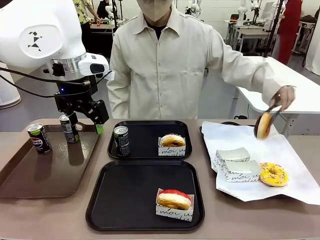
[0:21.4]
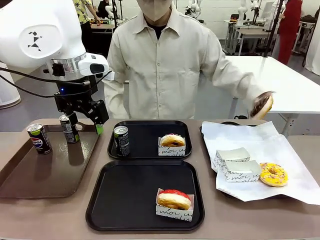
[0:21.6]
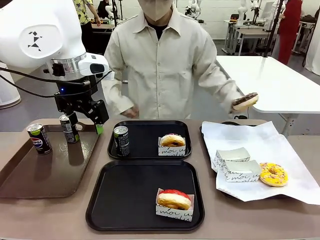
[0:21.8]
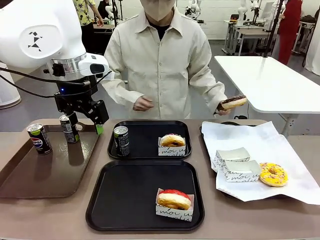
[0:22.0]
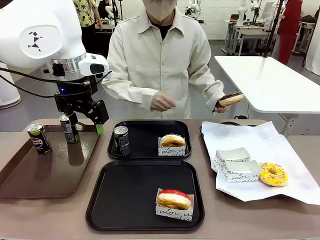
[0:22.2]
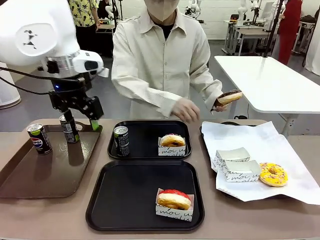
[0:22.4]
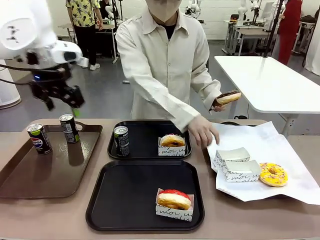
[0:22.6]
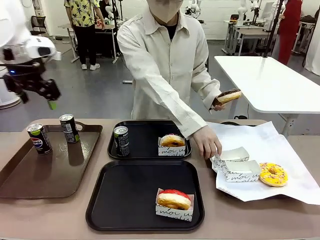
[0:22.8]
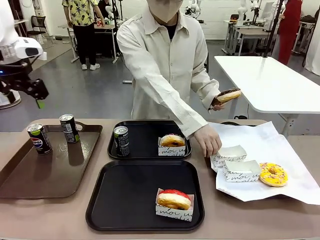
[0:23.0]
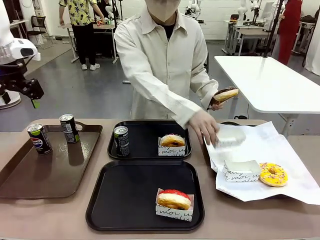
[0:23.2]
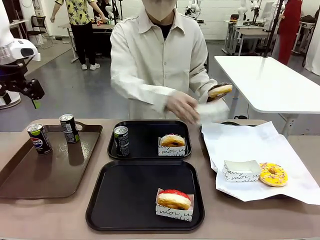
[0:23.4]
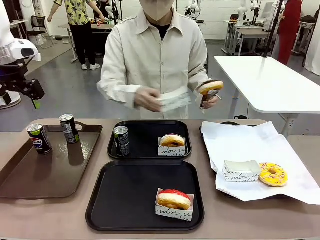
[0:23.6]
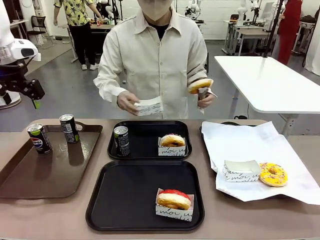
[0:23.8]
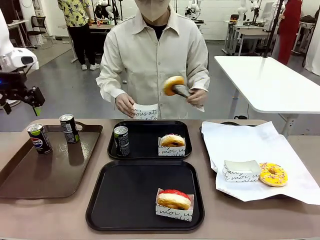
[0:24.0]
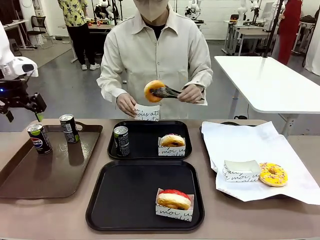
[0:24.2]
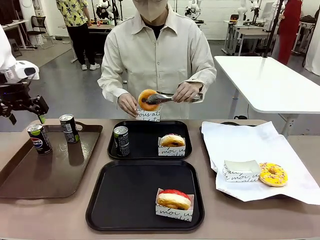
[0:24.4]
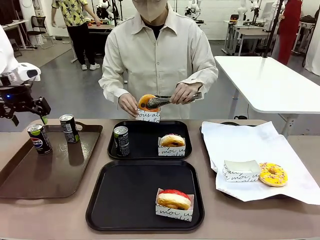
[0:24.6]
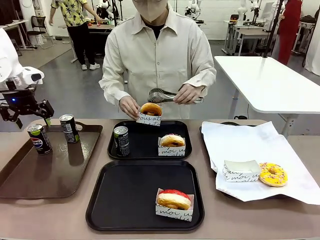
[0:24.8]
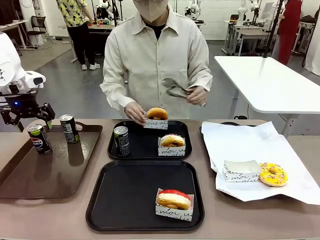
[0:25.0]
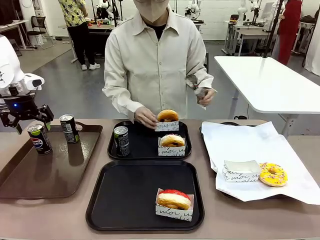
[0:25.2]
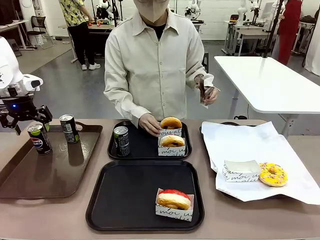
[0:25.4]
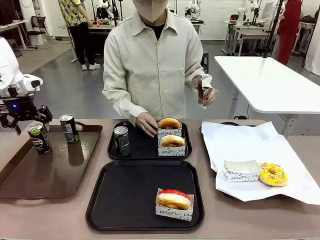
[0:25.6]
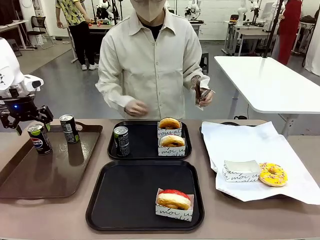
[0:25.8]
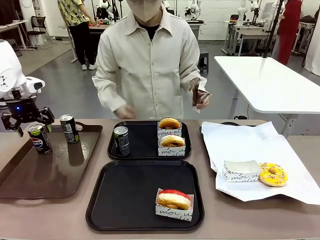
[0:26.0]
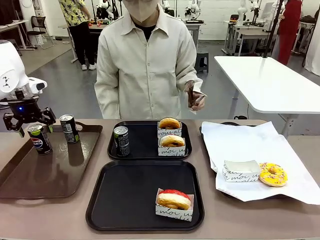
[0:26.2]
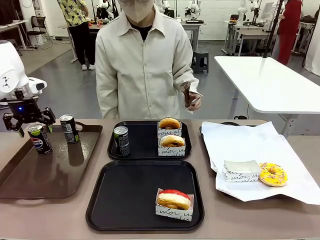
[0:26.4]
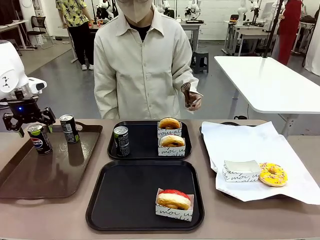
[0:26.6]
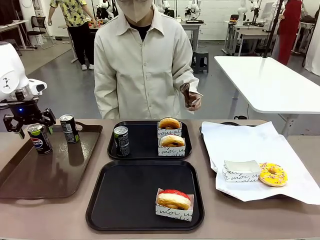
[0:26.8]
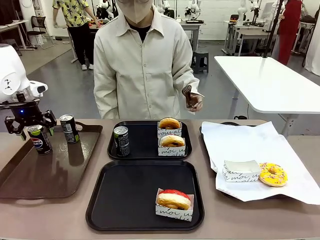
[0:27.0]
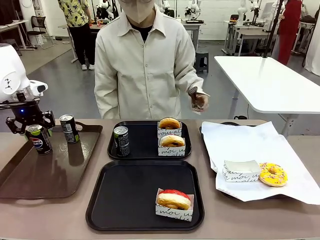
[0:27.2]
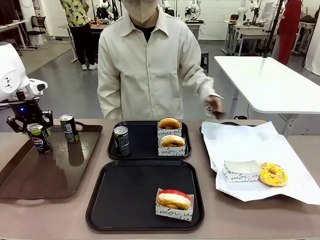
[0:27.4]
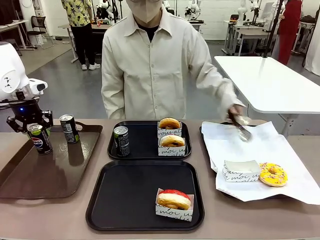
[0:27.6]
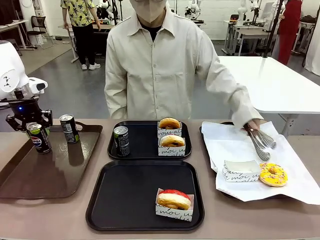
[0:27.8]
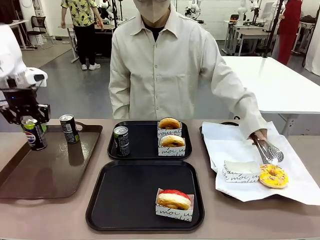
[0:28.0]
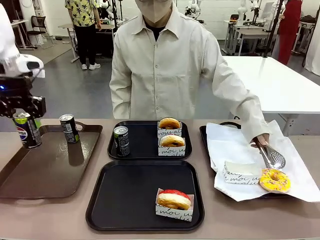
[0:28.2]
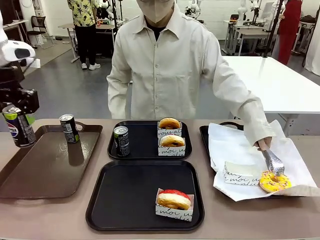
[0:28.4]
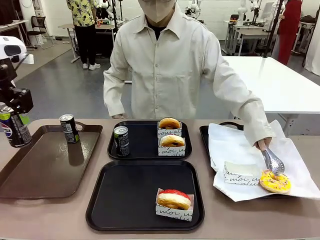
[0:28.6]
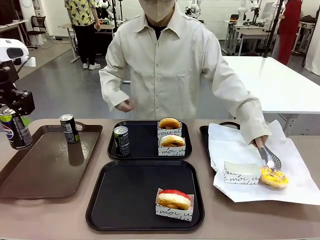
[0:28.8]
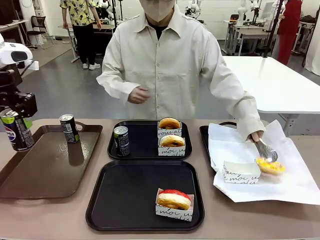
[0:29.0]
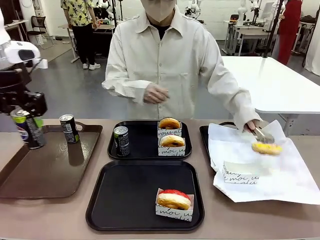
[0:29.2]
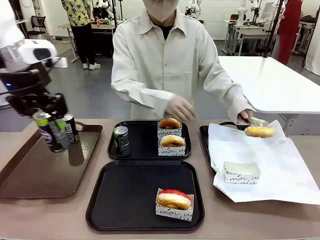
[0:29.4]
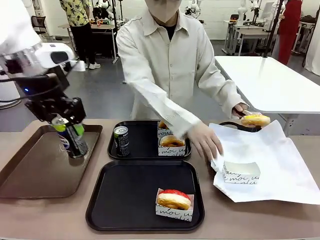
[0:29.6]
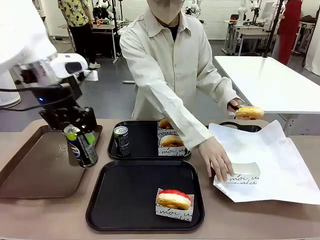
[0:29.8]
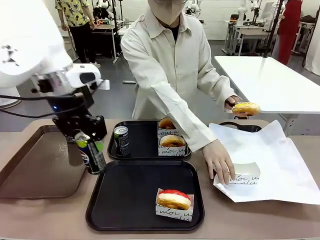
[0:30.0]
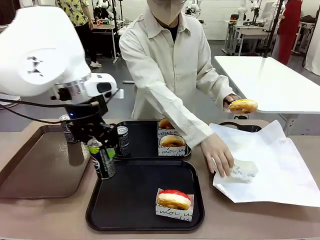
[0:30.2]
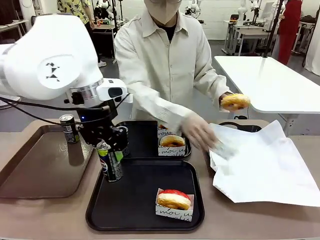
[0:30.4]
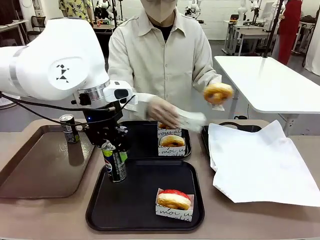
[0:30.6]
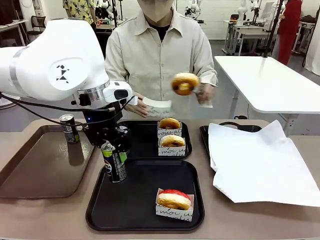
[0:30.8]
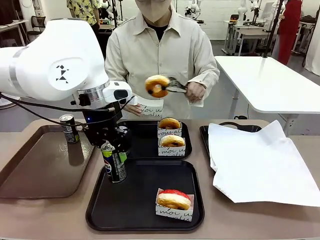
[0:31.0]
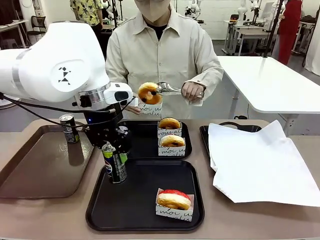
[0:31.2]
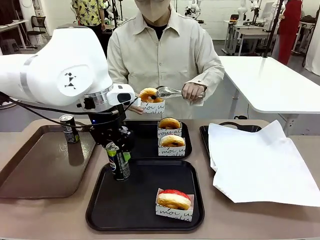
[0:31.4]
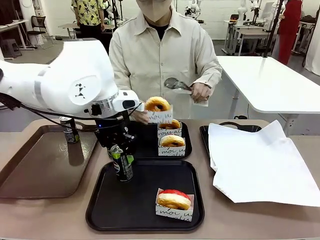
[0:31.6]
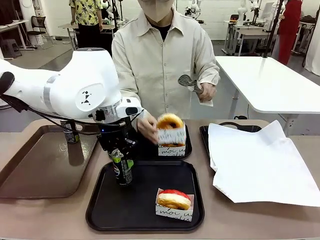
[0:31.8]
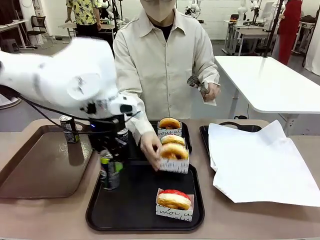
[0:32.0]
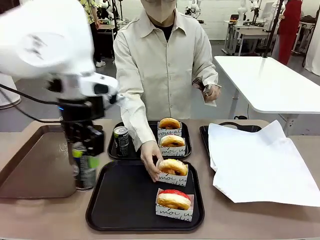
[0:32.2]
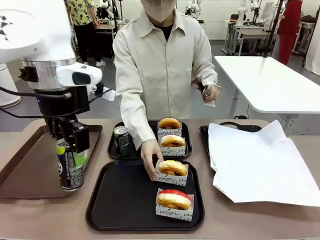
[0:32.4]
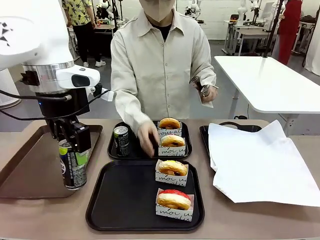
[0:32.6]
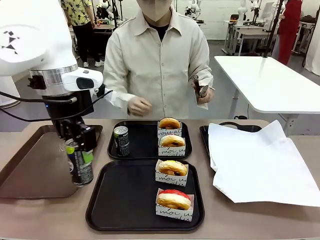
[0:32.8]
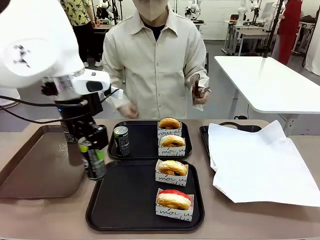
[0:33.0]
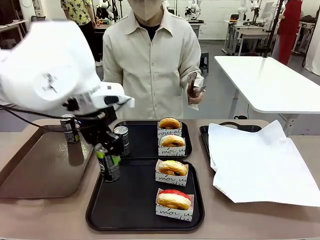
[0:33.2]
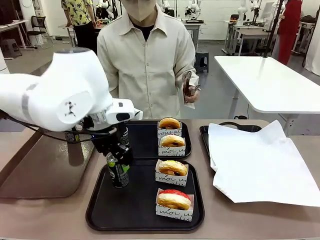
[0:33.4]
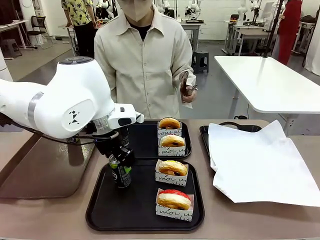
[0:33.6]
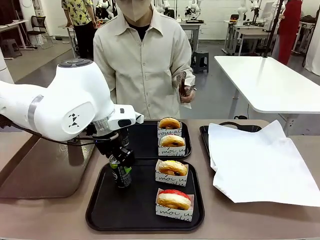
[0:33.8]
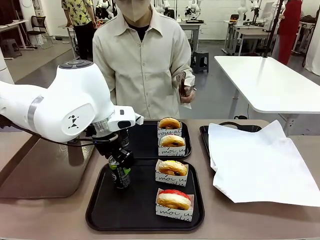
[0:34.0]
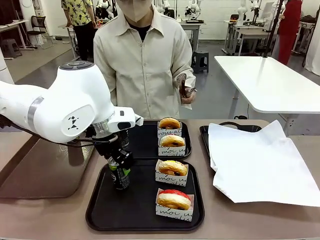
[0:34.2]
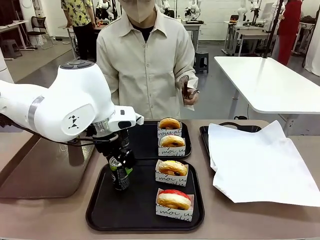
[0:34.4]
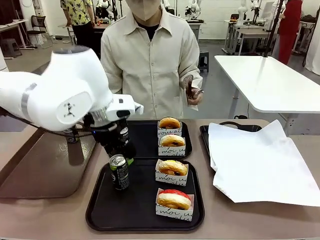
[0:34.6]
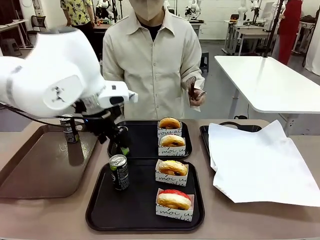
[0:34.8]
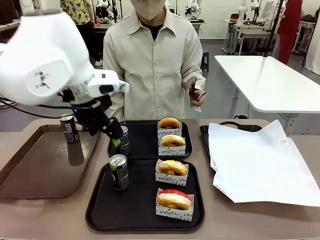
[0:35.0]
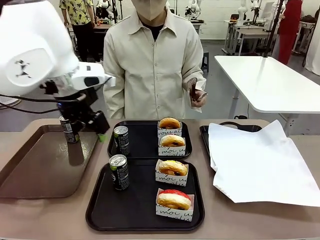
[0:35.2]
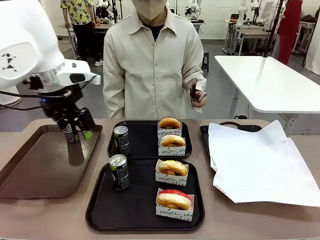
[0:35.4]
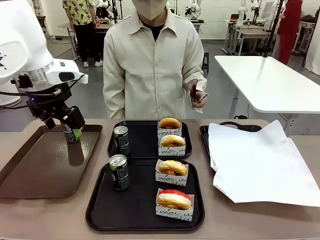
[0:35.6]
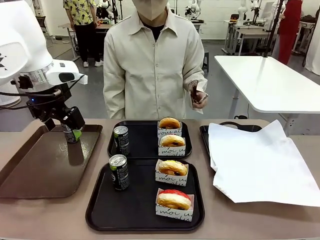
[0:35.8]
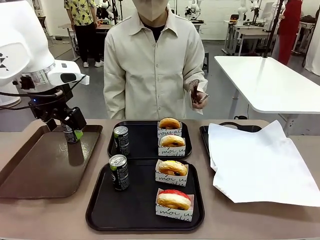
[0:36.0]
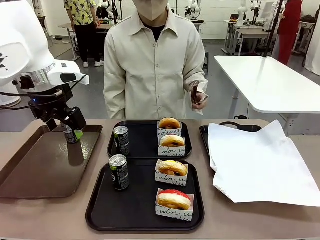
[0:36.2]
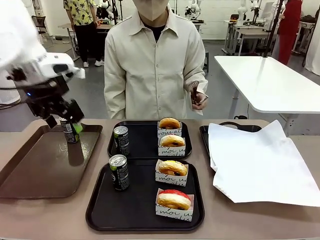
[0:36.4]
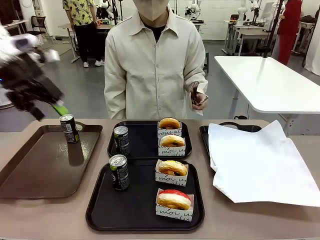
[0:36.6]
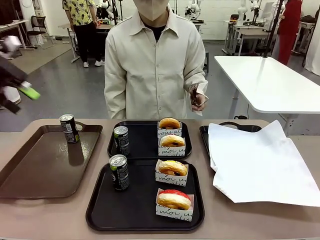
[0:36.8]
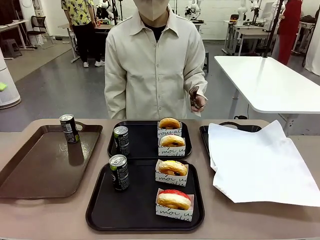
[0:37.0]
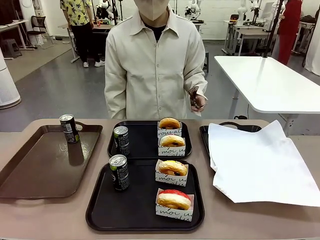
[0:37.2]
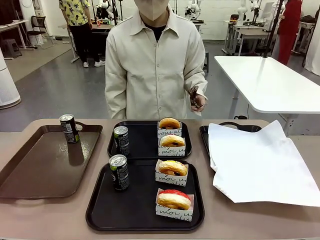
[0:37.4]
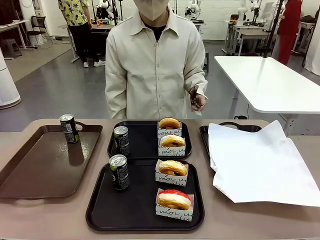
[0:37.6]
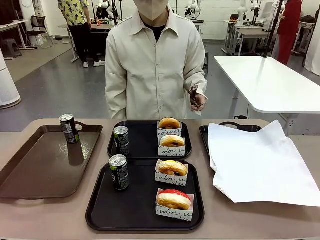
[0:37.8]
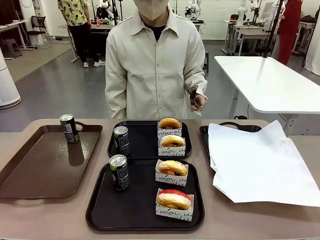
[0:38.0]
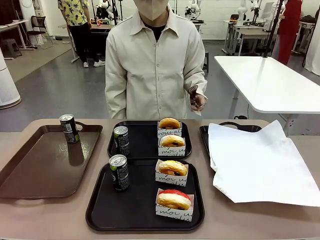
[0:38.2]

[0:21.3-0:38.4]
Task: Set up donuts and drinks on trays.
Robot: Pick up one Pepsi coke from the Handle tray and place it on the Flat Tray without a Pepsi coke.
